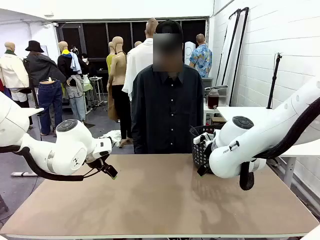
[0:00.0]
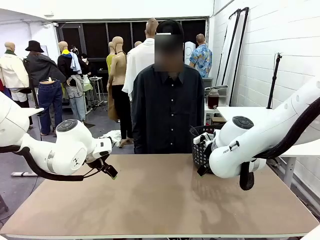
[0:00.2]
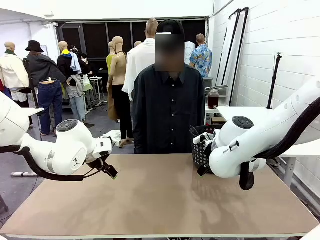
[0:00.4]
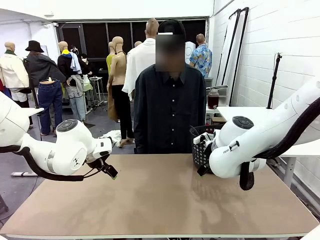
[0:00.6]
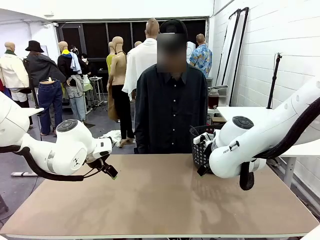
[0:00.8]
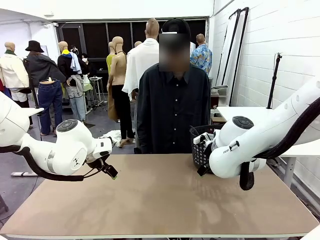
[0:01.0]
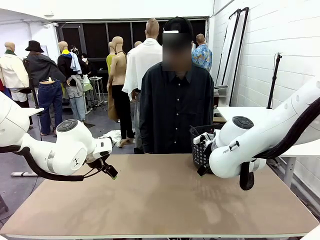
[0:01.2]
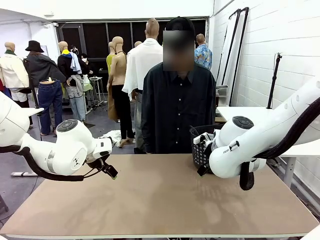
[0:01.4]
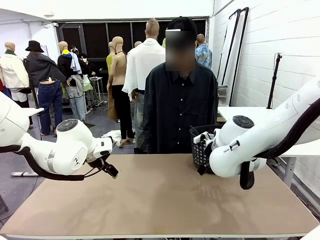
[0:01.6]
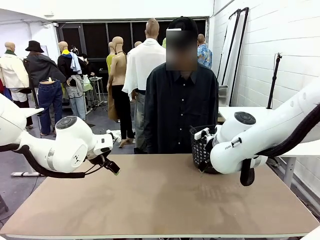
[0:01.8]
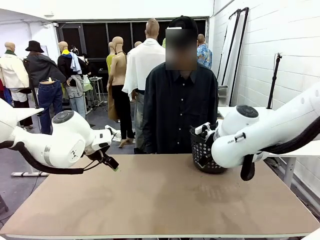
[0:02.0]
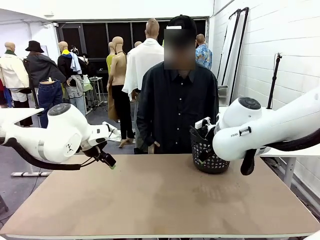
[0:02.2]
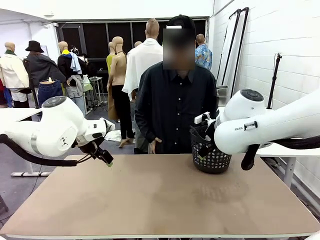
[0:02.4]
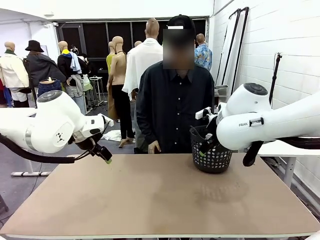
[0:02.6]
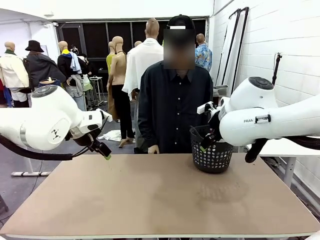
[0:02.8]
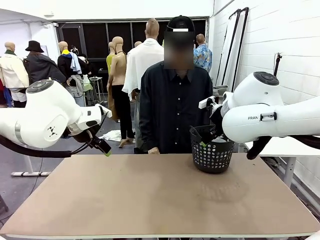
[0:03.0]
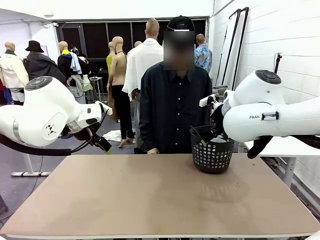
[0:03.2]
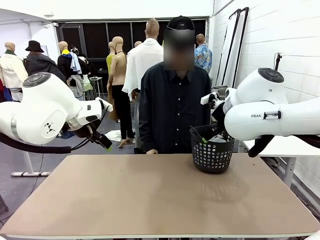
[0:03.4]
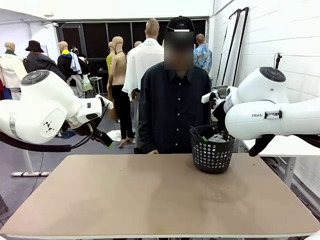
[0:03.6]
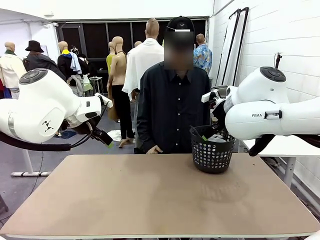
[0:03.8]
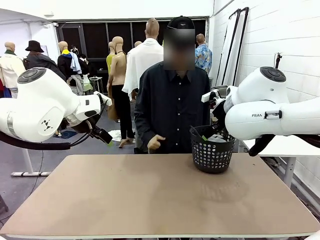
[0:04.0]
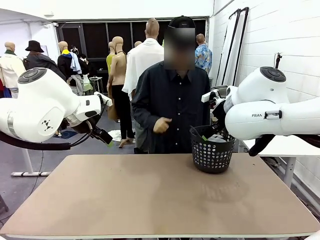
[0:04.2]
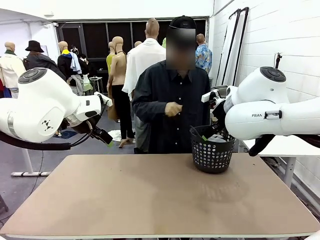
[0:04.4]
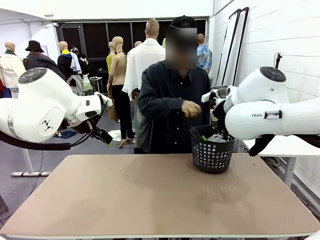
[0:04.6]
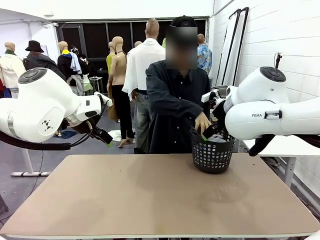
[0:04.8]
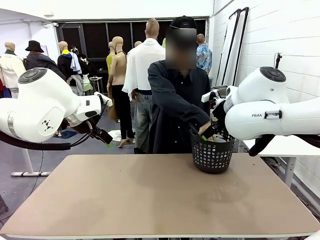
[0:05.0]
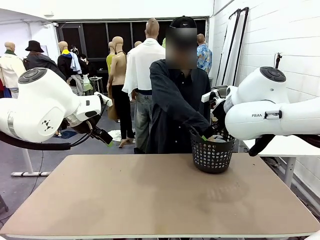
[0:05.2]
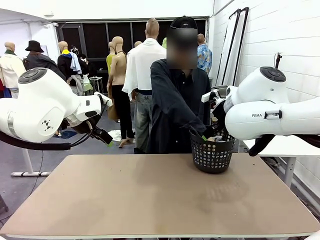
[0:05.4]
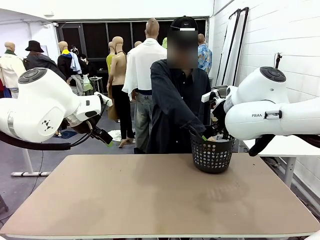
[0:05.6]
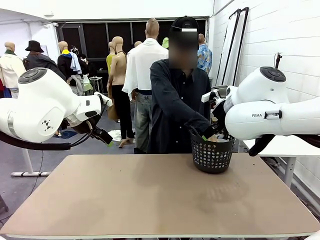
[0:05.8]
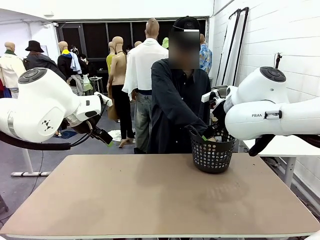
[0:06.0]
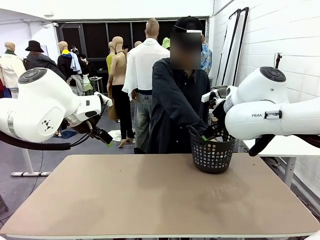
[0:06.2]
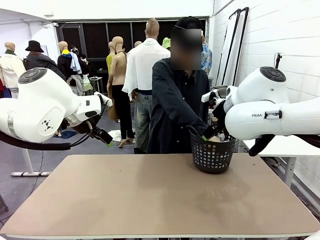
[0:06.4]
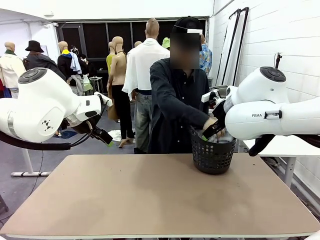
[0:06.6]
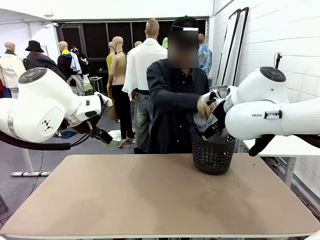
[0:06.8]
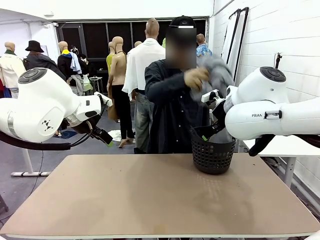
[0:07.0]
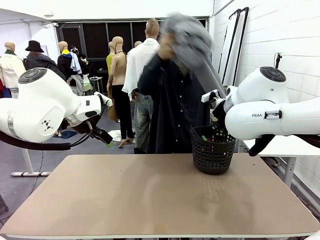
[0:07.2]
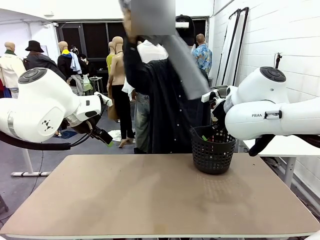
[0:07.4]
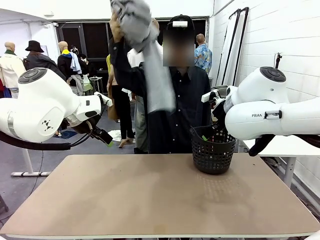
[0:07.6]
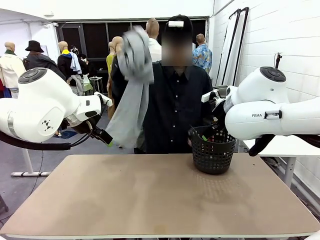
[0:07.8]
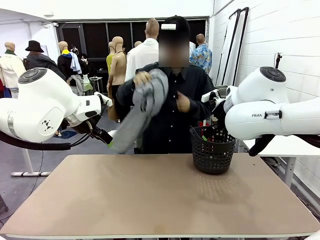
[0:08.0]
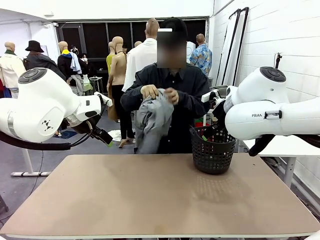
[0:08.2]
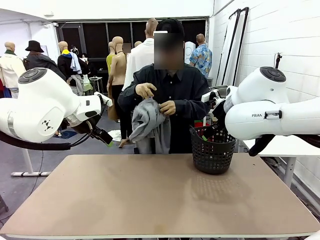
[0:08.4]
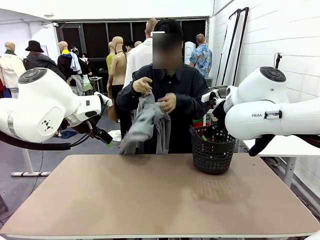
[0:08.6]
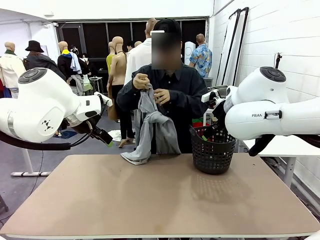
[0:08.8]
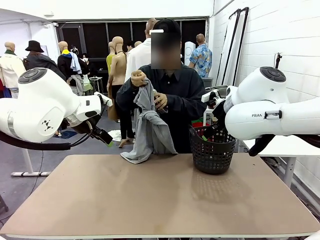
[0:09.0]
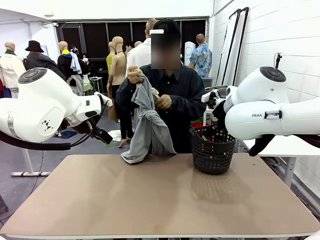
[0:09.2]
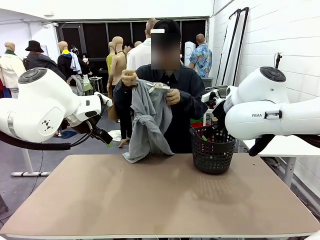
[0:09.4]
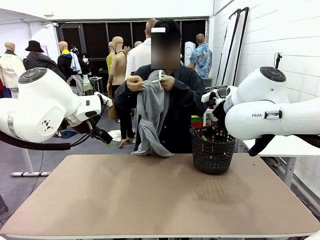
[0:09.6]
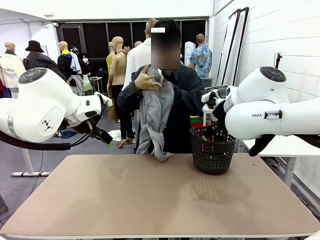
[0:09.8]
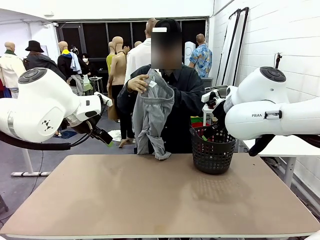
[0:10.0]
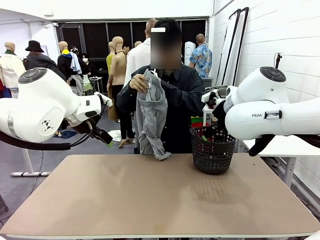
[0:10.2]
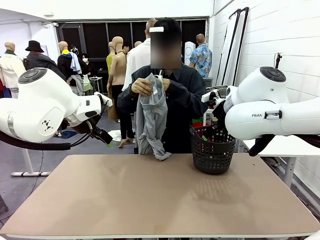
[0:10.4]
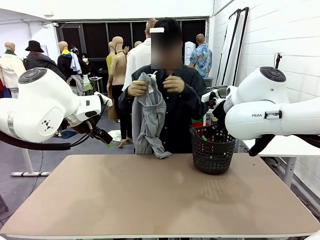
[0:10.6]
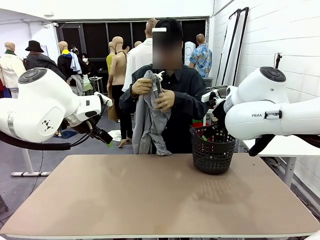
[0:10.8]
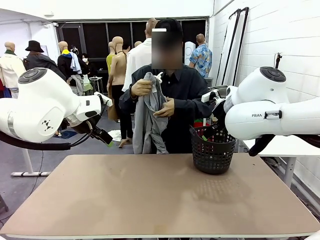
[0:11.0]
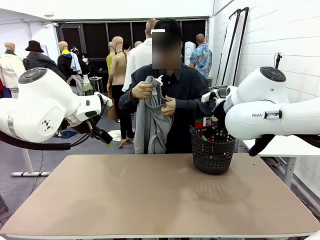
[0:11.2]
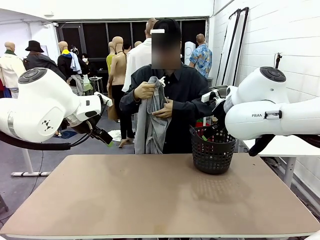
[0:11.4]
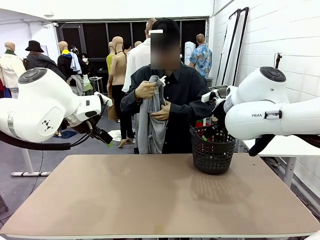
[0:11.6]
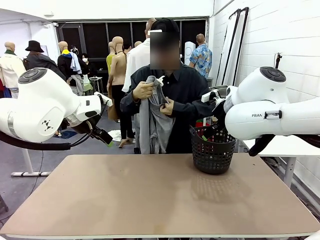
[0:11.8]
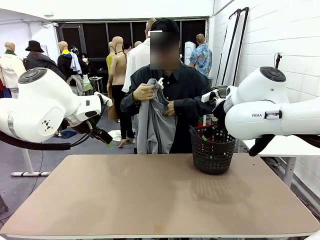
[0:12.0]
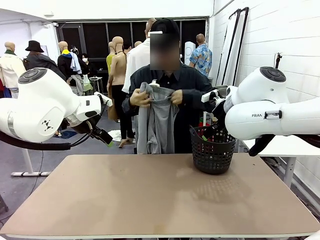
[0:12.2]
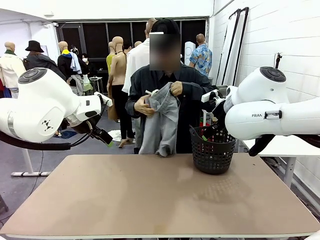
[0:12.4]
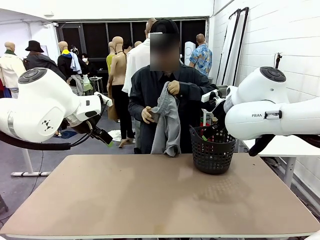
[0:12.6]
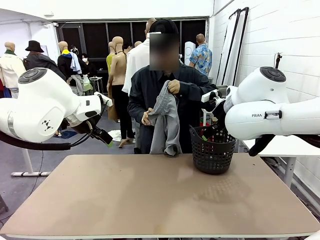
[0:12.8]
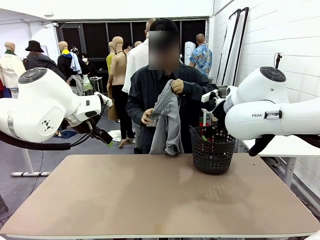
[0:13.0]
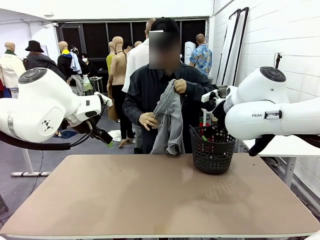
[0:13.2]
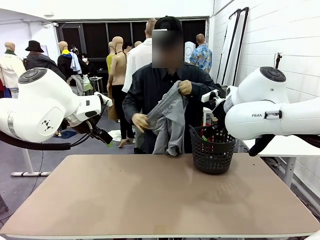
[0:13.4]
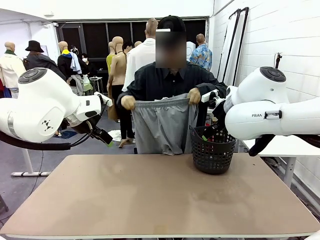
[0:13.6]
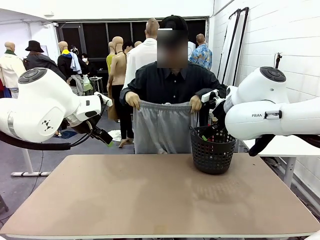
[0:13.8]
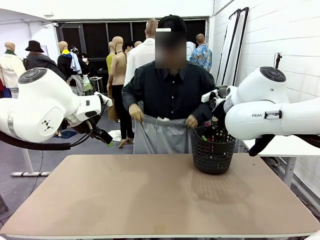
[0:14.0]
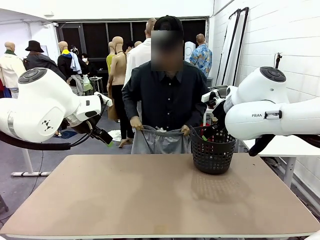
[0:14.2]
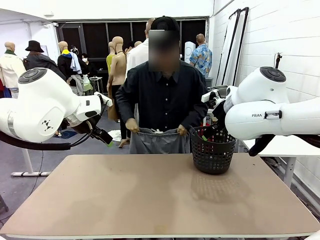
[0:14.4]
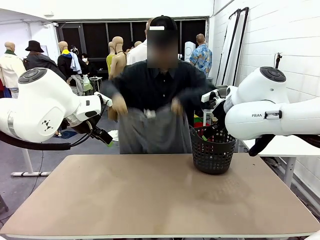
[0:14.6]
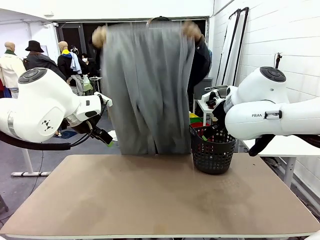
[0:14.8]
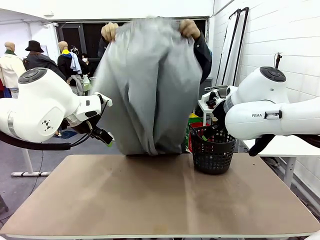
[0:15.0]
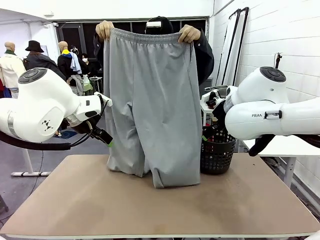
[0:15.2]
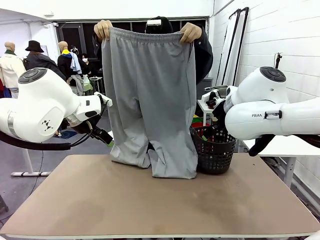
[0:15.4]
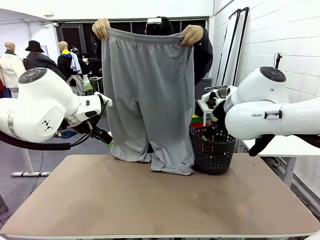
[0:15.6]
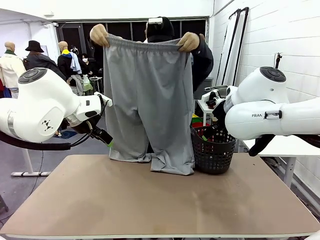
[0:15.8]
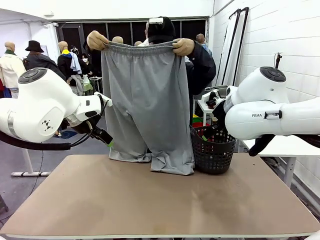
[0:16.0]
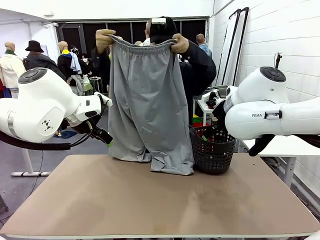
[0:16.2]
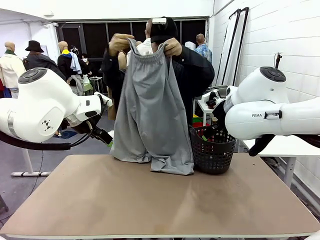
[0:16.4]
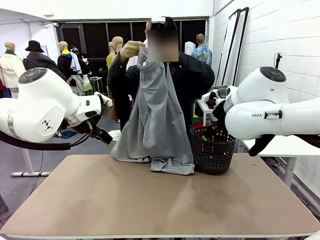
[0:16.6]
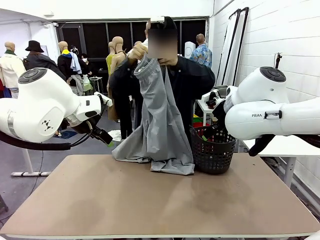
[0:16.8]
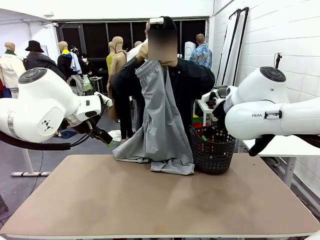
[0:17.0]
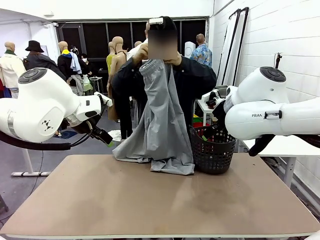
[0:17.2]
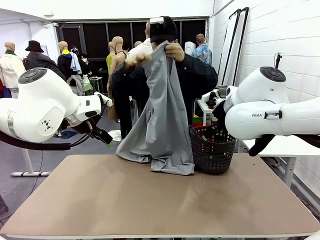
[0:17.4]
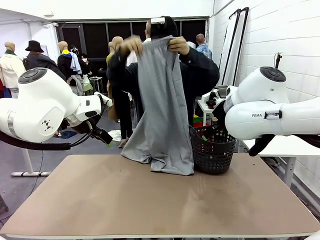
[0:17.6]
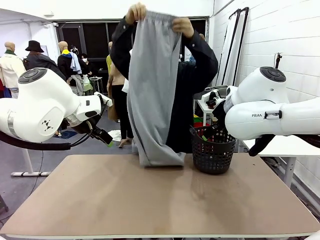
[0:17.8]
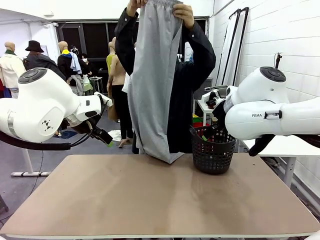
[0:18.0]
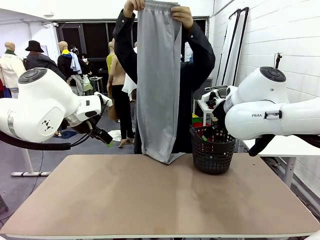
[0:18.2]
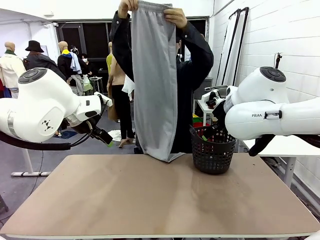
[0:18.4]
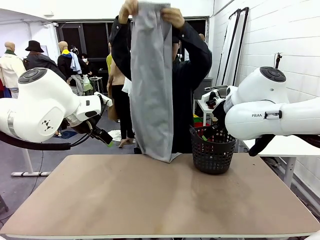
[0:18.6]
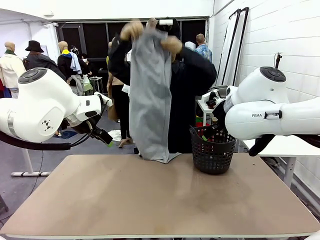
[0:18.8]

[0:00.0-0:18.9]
Task: Fold the training pants.
Robot: Grab both ends of the Training pants handed by a person.
Person: Take the long pants out of the laundry basket, unfold them, fold the waist in half, and extend them so the robot can pick up both corners.
